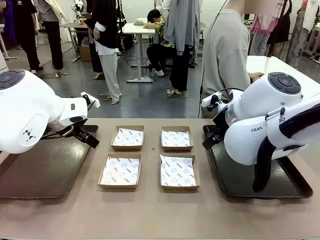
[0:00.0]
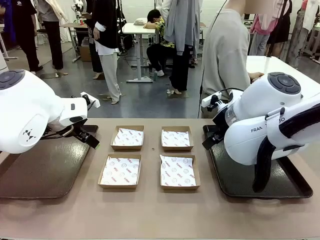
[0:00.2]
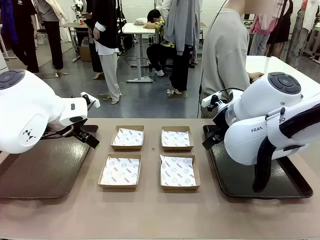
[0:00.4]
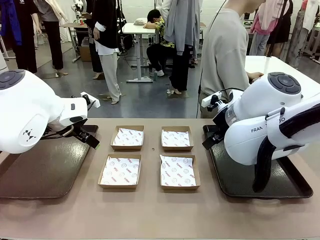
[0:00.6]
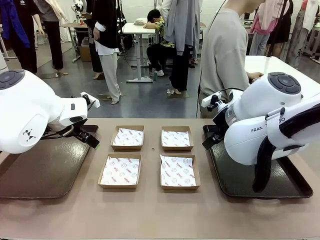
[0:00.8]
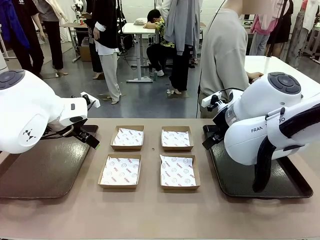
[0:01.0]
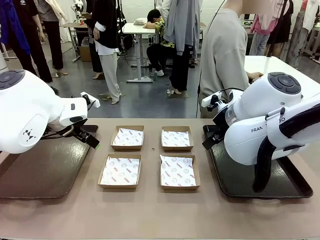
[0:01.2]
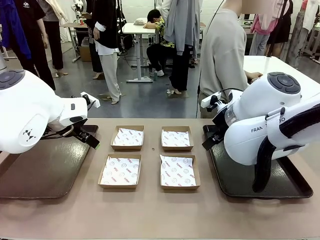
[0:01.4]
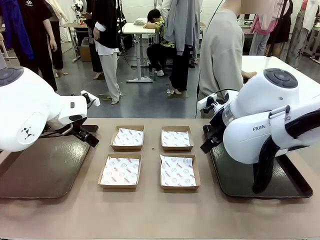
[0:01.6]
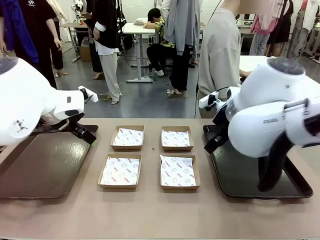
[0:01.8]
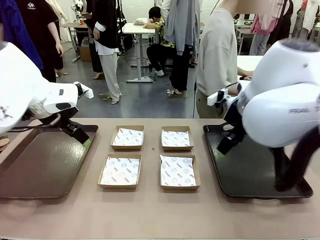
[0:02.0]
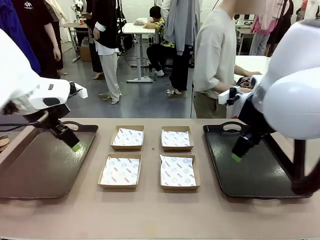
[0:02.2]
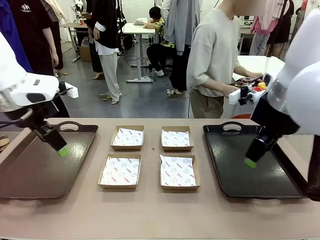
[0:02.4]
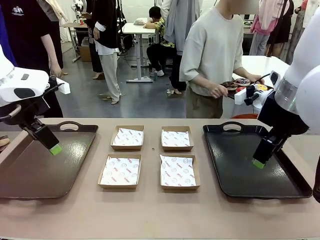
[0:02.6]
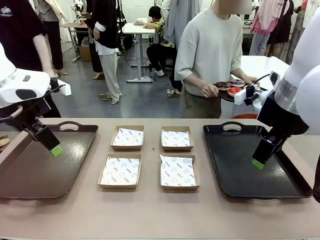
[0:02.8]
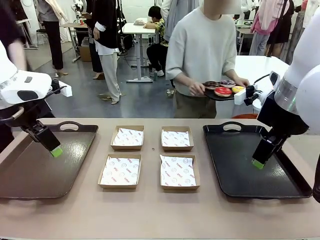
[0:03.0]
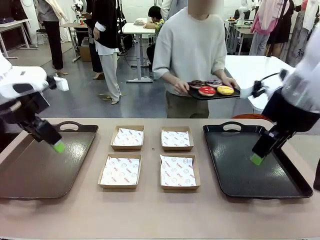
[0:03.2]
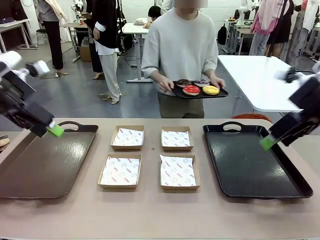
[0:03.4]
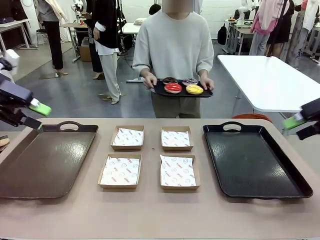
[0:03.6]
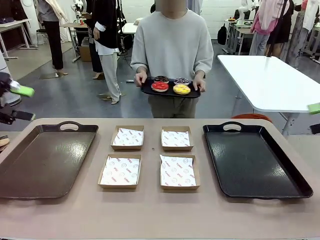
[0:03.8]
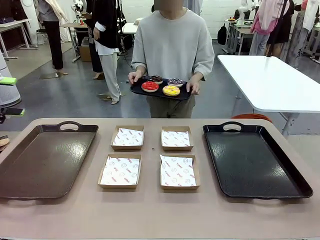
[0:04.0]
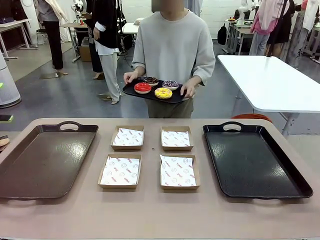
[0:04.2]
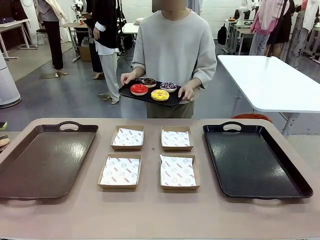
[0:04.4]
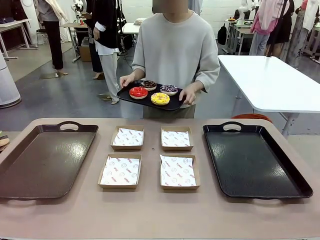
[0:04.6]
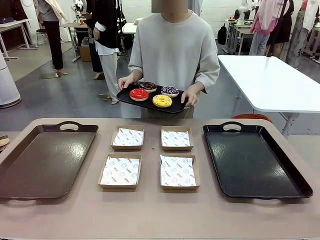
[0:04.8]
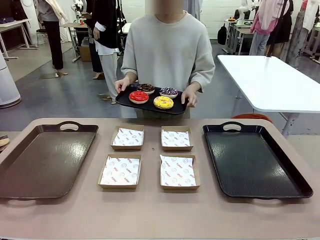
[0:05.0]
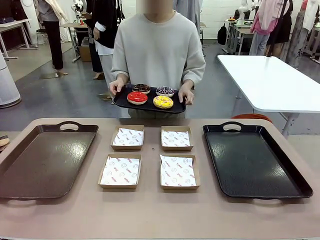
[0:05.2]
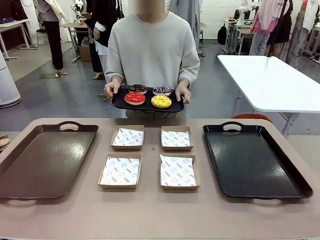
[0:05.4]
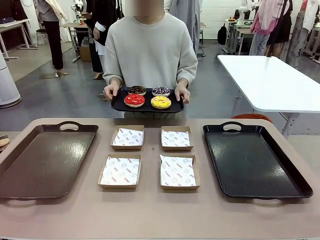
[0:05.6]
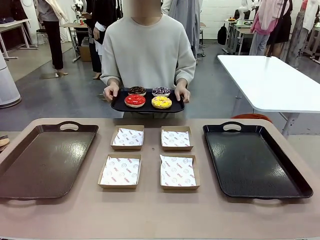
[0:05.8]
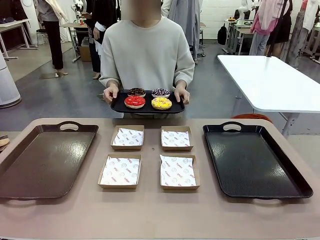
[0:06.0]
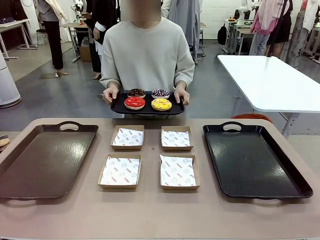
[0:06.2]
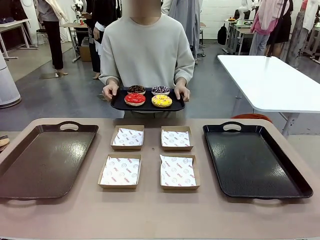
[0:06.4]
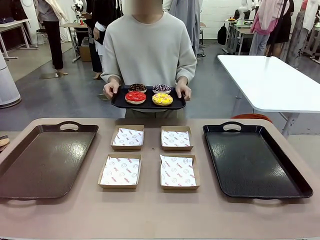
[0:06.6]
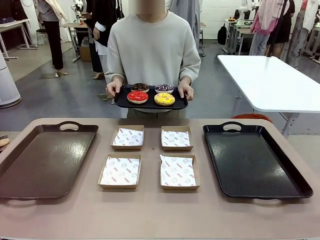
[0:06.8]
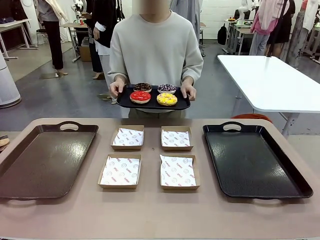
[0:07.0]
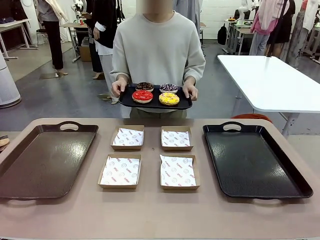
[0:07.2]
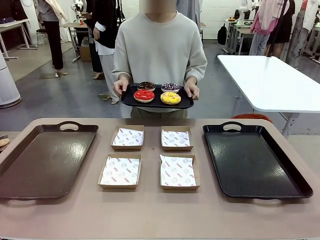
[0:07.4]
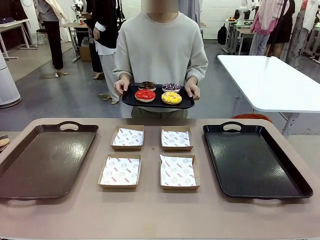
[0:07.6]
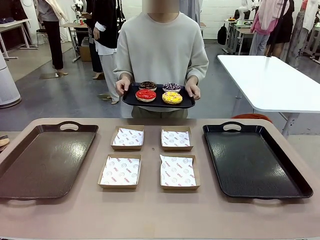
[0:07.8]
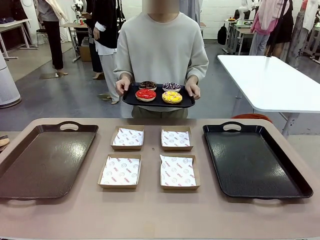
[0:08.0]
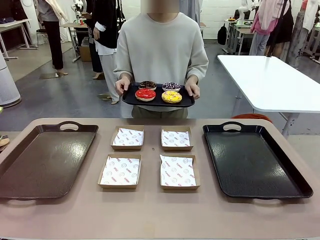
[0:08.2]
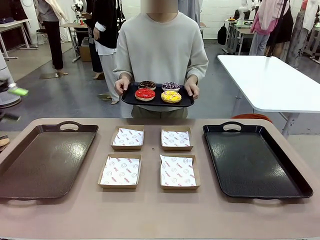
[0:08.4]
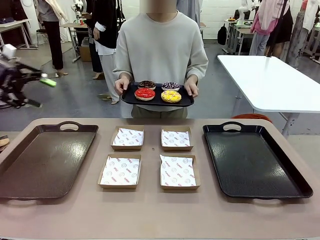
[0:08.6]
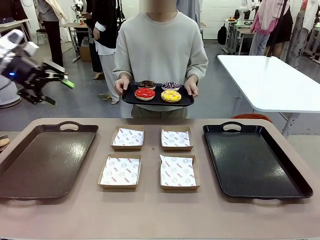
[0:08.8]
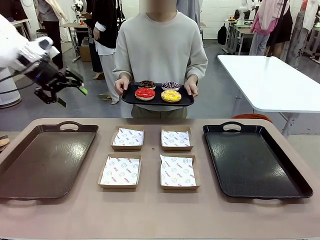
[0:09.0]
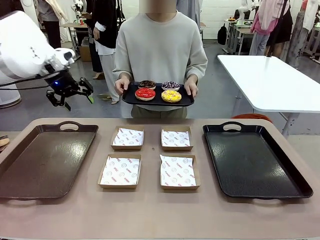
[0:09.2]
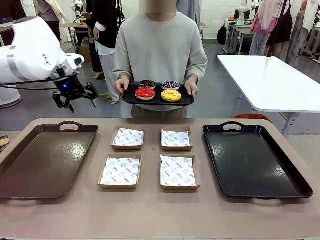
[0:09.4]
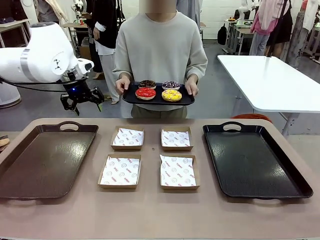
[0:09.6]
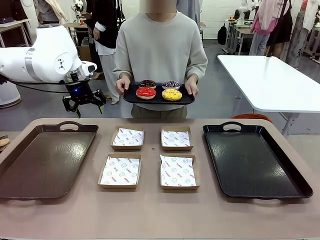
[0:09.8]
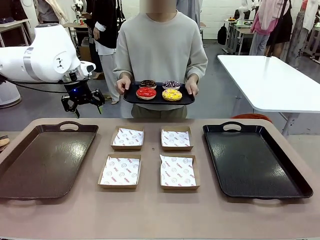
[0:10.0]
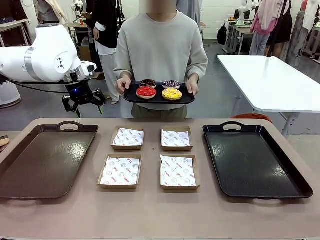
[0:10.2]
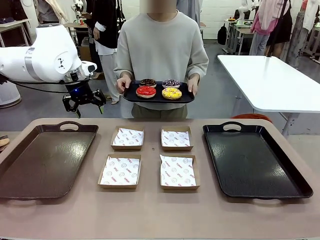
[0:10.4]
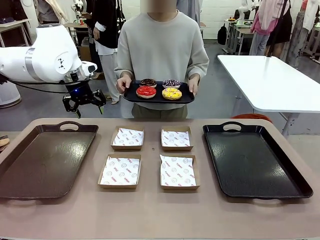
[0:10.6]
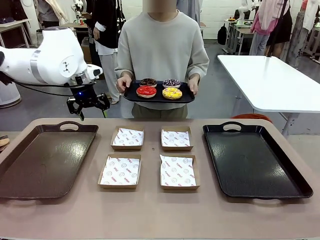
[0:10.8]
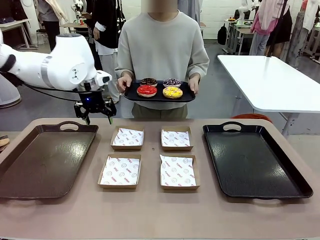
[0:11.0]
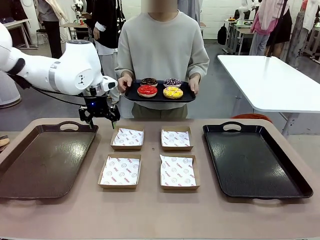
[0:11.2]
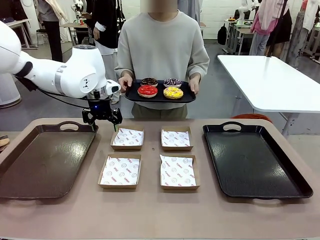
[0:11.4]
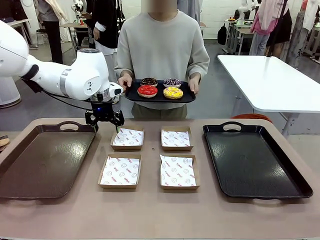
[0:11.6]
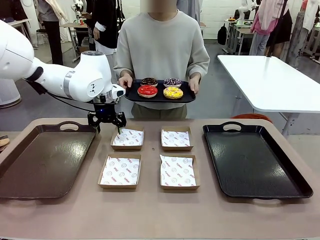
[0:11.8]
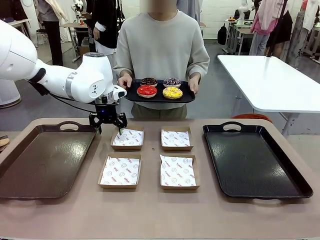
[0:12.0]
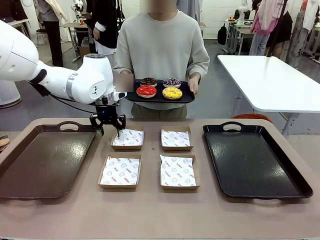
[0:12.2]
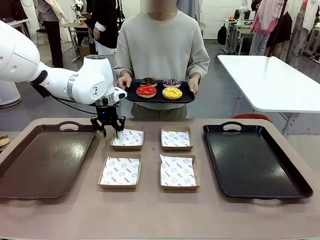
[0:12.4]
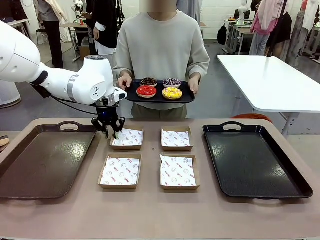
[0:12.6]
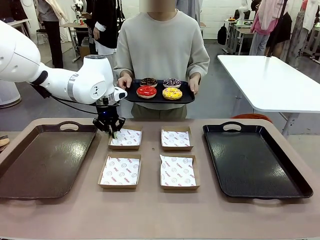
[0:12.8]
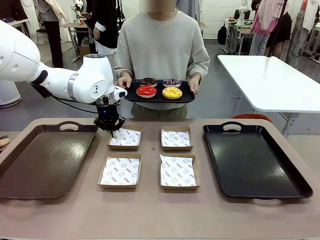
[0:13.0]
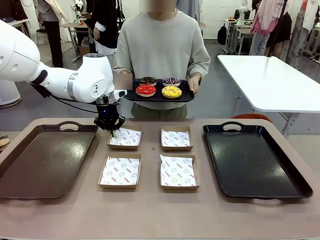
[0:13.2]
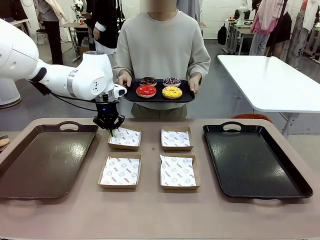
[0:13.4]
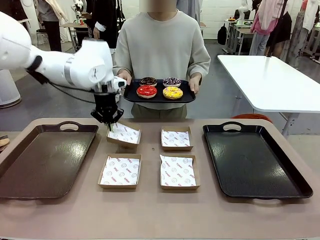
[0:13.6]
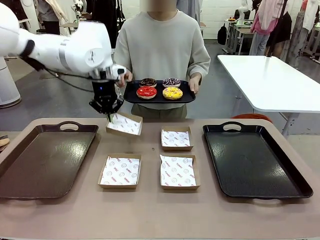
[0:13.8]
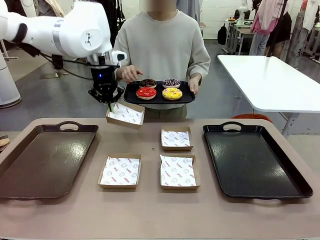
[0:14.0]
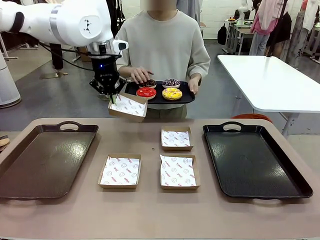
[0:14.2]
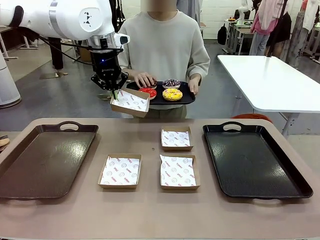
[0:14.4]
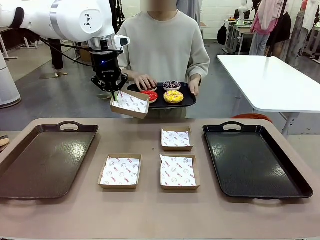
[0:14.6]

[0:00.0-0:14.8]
Task: Individually package the donuts and arrange them on the tray.
Robot: Pick up one Paper togo box.
Person: Stand in front of the robot table holding the tray containing the donuts.
